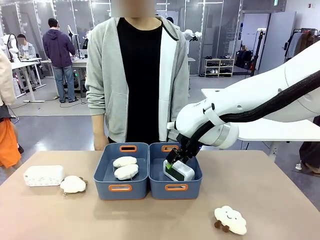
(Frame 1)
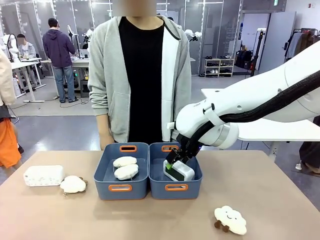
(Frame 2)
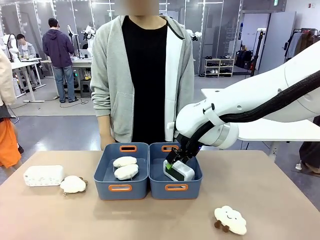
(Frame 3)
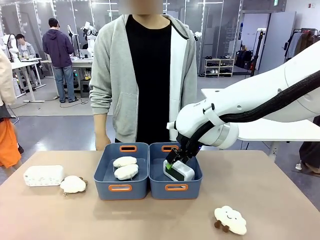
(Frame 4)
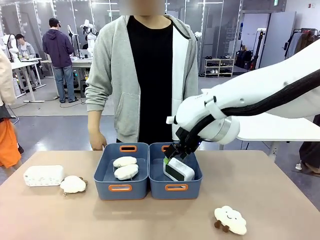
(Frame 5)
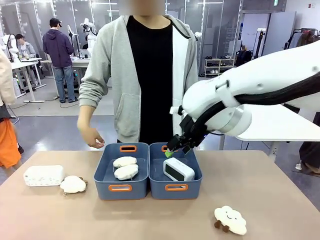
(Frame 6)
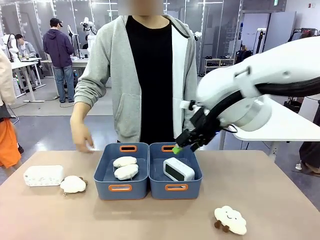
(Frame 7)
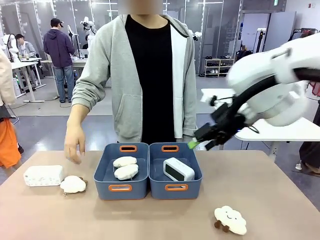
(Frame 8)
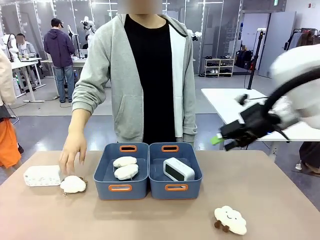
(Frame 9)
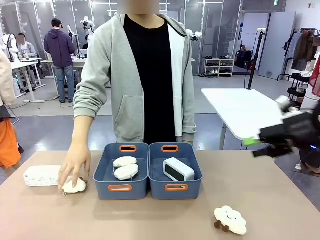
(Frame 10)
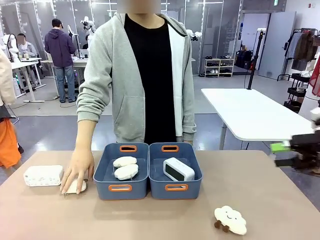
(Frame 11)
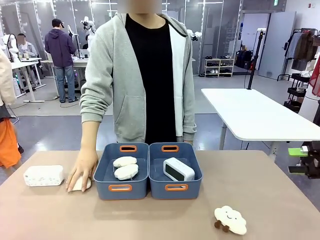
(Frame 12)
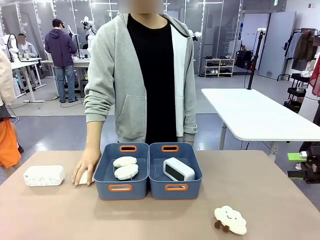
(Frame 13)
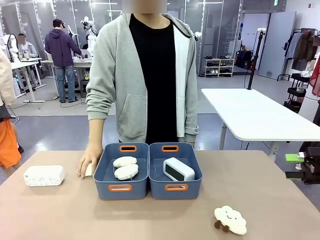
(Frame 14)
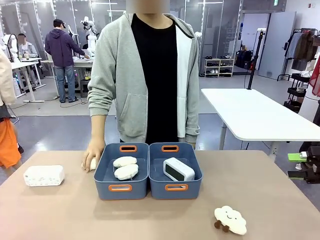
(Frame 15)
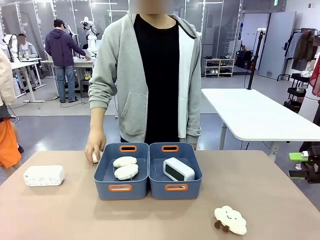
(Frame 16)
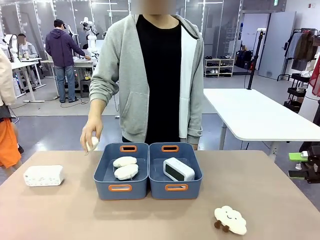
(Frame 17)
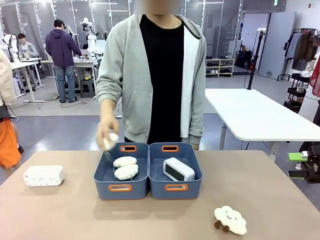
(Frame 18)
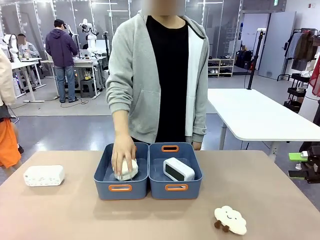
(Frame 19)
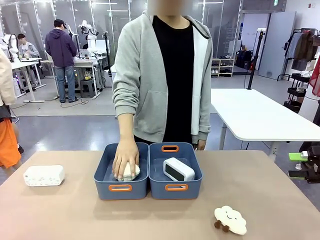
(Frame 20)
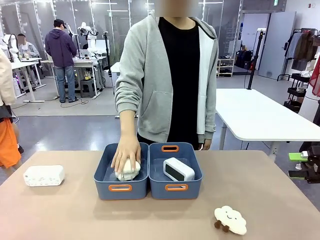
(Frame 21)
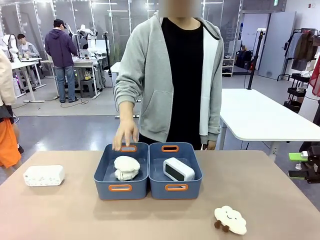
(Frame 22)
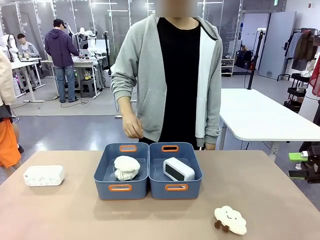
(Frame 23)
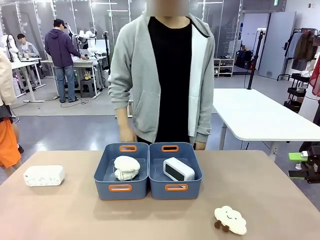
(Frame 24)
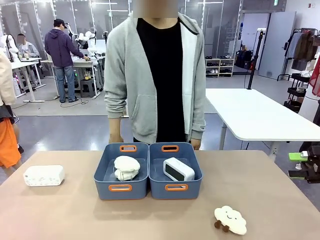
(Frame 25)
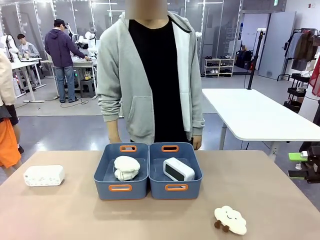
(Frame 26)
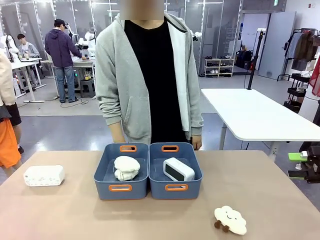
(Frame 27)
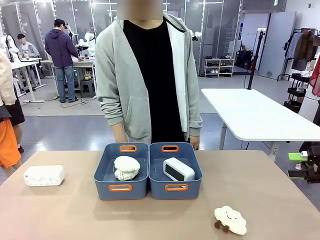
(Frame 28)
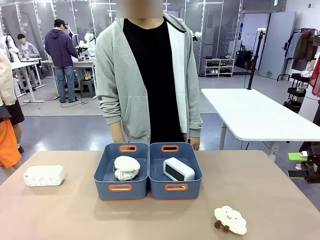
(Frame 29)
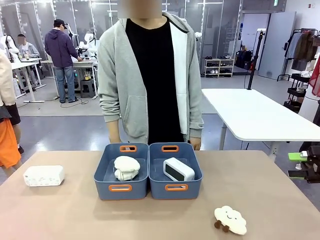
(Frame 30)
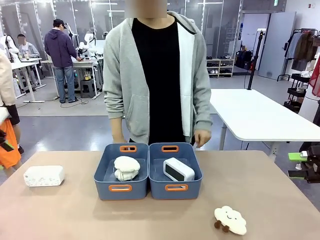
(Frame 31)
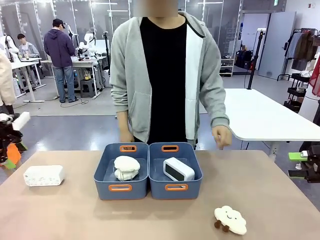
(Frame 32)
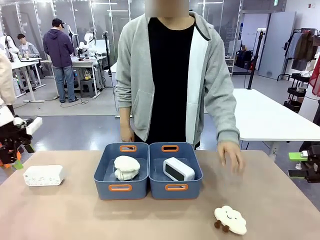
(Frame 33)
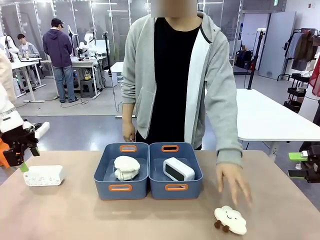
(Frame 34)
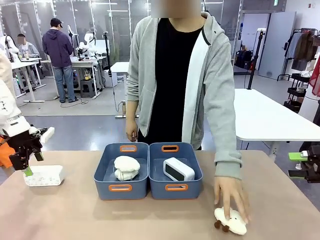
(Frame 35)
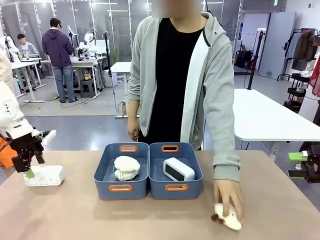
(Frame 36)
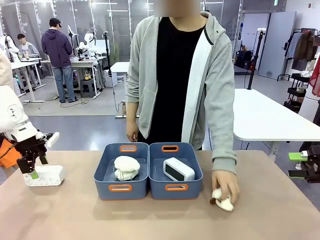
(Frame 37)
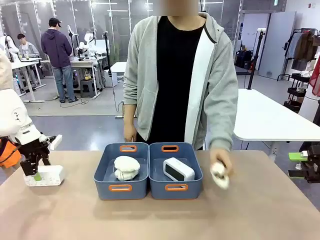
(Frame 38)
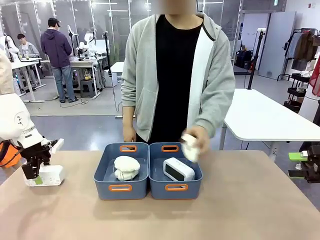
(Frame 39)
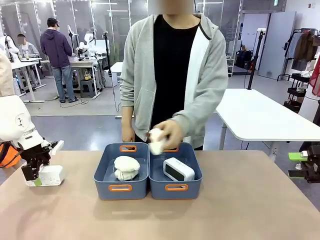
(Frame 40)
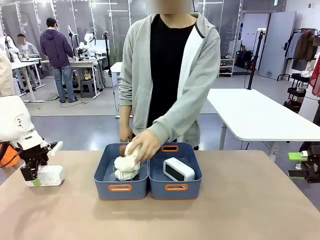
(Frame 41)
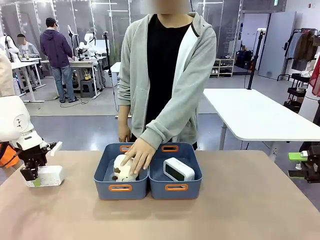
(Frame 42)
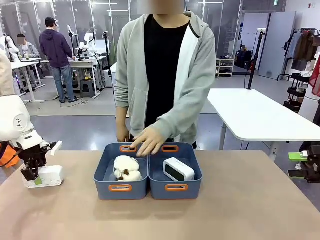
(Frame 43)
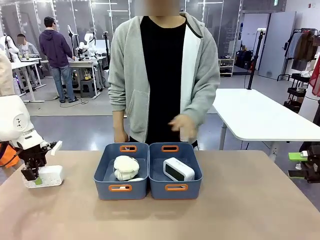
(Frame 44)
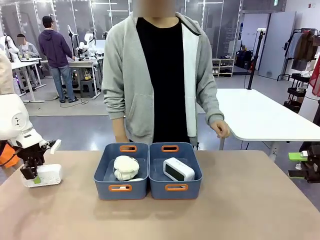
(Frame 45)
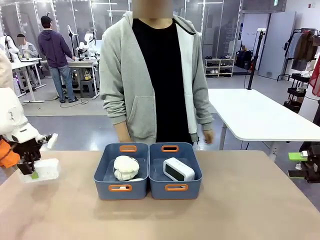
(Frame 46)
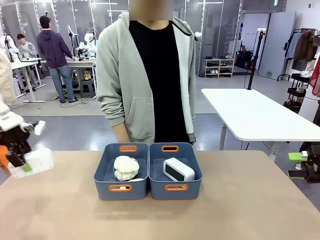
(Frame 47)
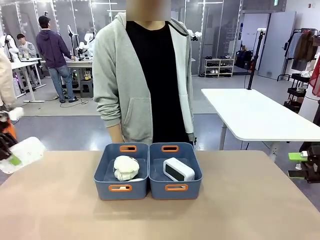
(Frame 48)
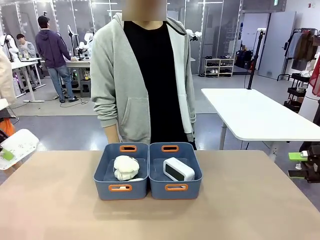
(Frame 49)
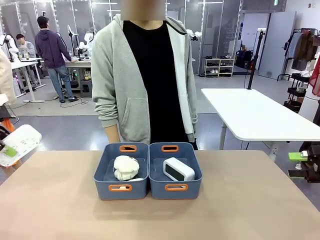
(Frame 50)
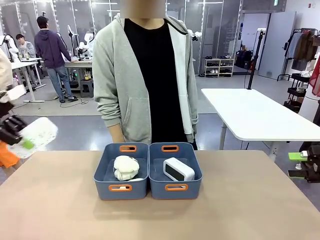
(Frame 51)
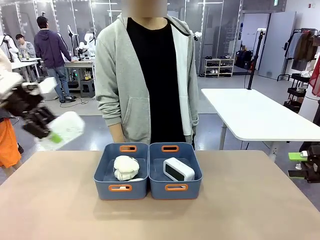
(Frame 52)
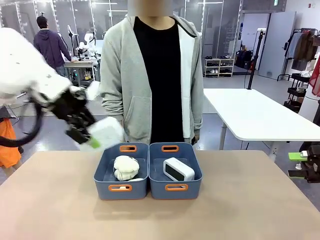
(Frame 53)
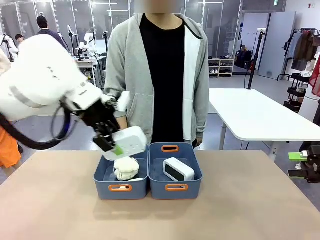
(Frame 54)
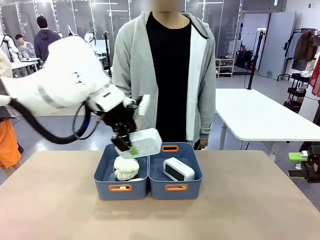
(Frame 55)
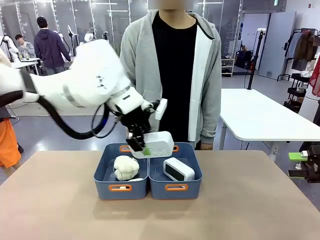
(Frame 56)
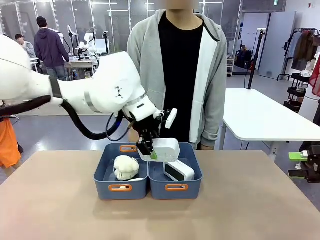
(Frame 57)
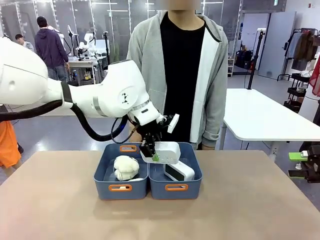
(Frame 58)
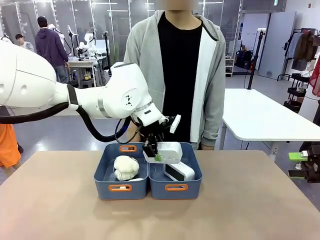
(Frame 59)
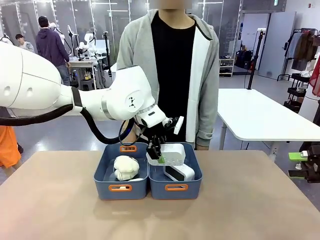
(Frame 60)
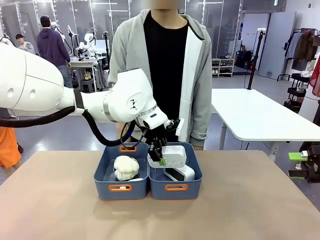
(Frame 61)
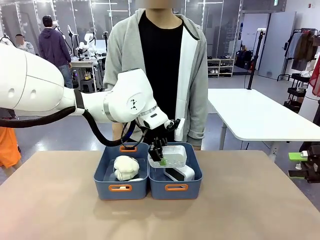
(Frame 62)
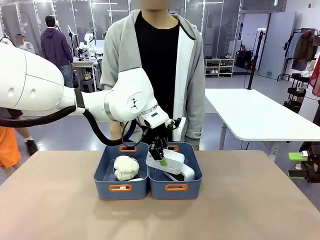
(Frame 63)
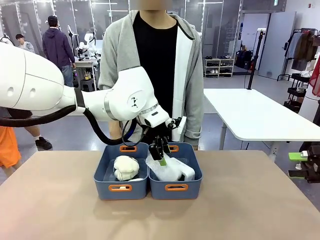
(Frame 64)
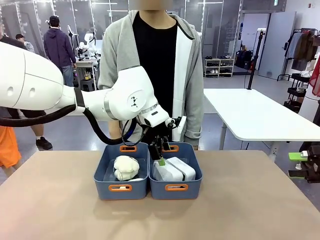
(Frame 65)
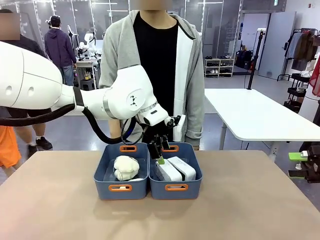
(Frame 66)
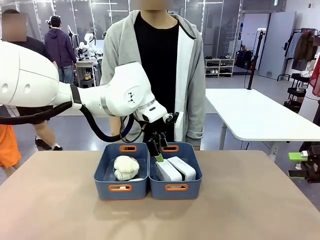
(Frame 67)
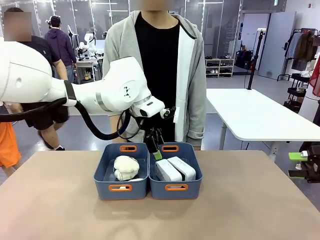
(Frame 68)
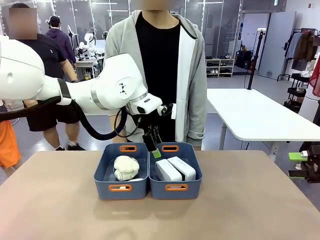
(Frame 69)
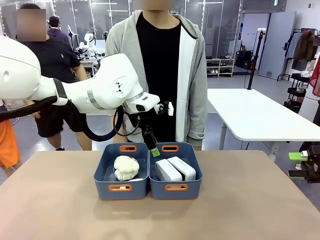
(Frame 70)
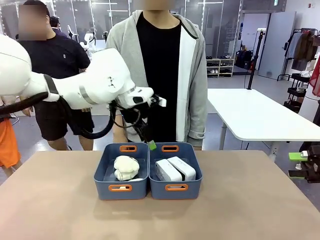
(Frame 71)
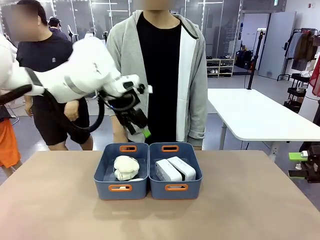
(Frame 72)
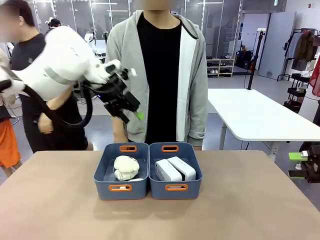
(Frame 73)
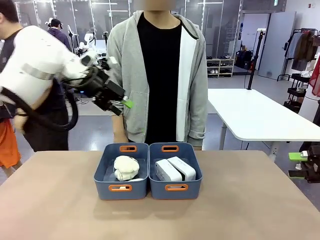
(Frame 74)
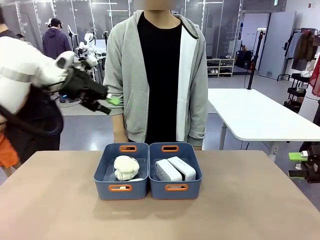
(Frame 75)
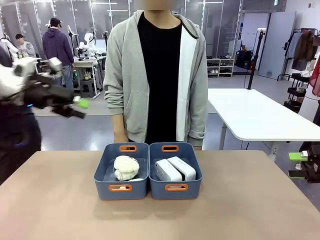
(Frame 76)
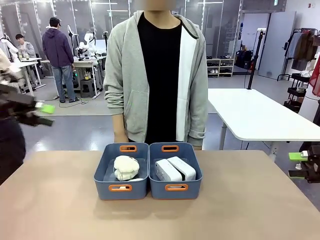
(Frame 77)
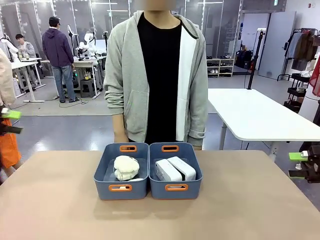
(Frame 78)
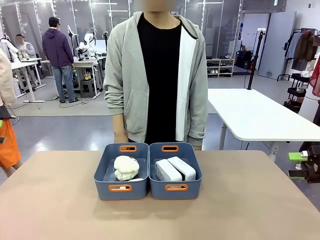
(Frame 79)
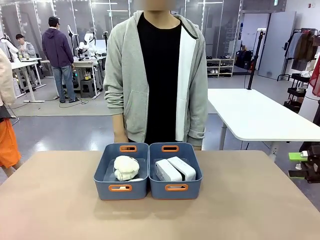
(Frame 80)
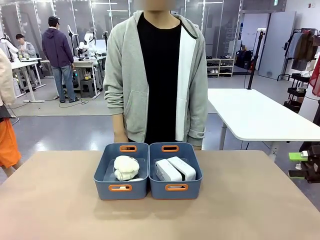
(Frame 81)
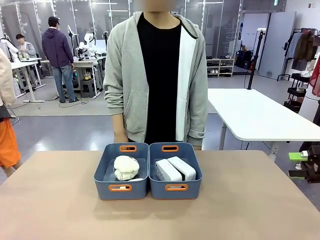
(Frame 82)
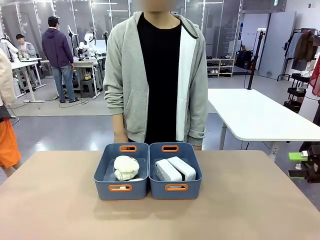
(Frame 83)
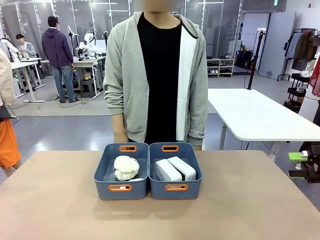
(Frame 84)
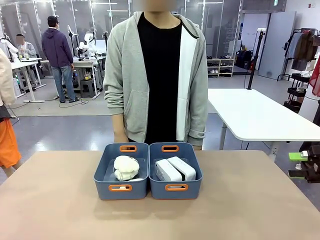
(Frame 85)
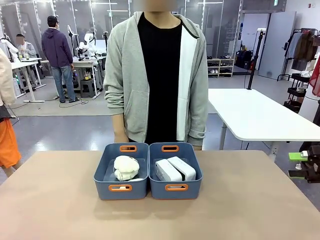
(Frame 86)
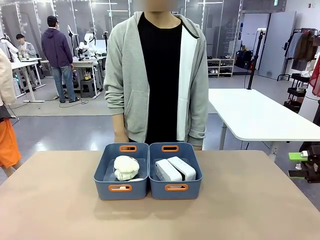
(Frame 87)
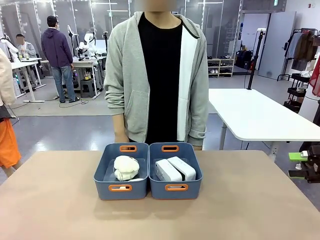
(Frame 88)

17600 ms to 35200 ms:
Task: Sort the digital clocks into the basket.
Robot: Pick up the Digital clock from the table and place it into the empty Plastic storage basket.
Person: Pick up a plush toy from the table and place it in the plastic storage basket containing the plush toy.
